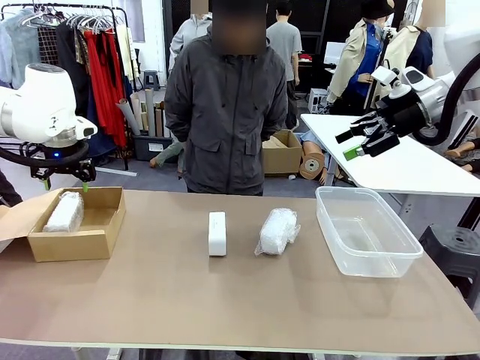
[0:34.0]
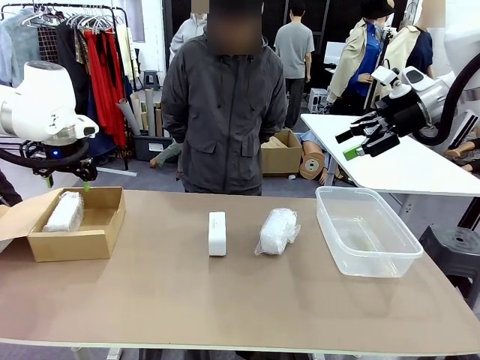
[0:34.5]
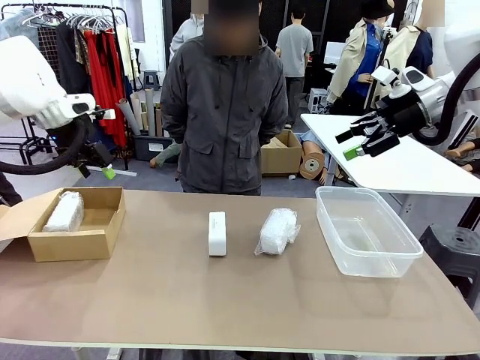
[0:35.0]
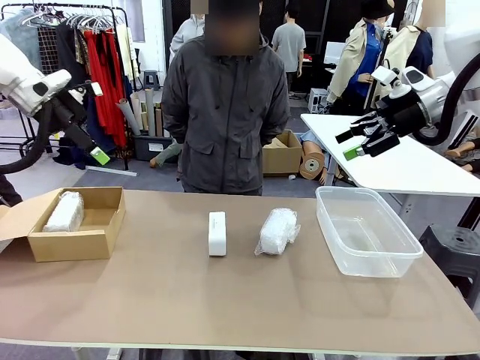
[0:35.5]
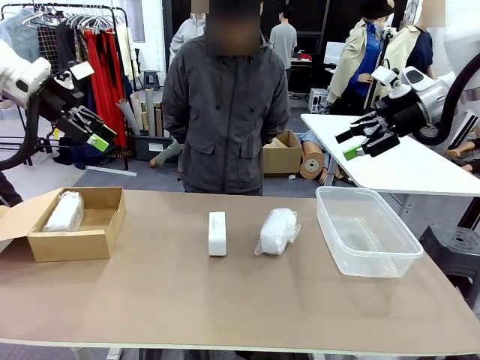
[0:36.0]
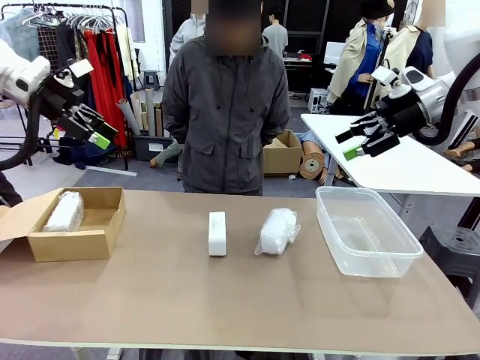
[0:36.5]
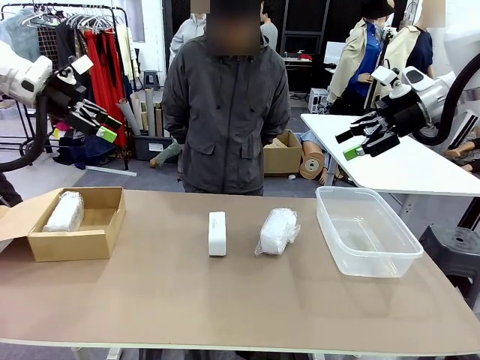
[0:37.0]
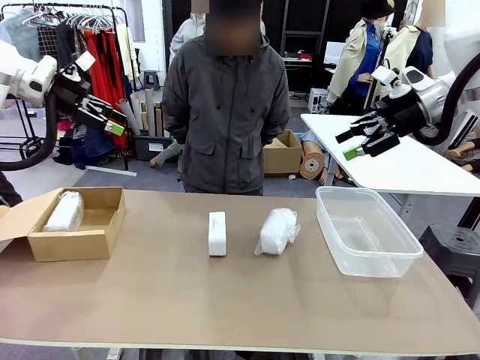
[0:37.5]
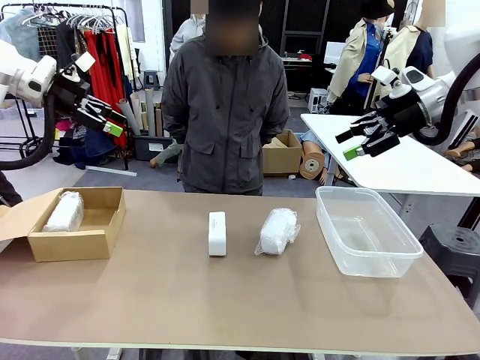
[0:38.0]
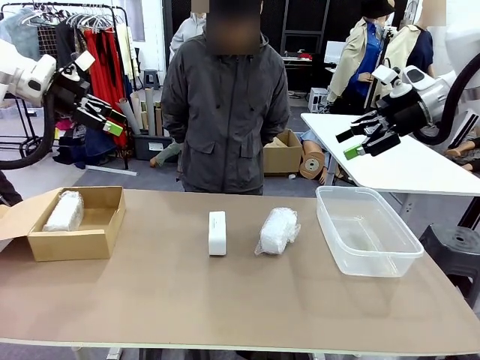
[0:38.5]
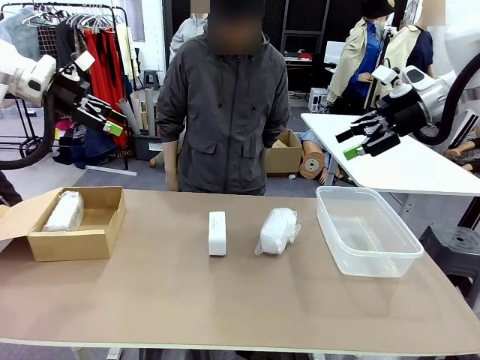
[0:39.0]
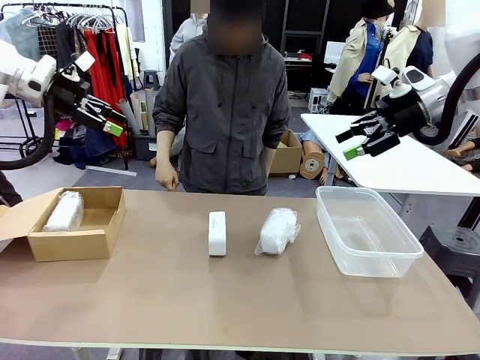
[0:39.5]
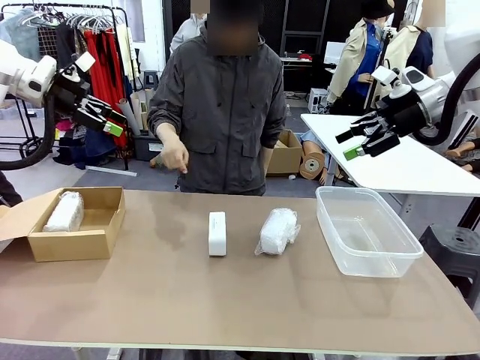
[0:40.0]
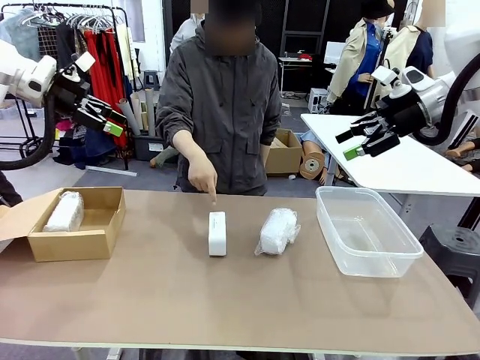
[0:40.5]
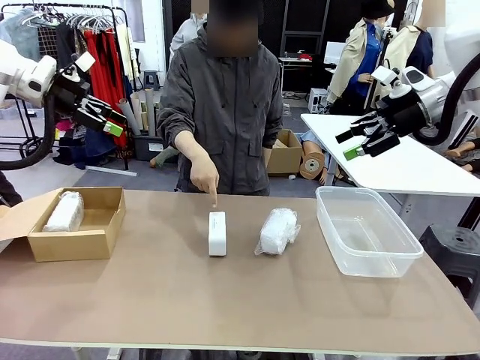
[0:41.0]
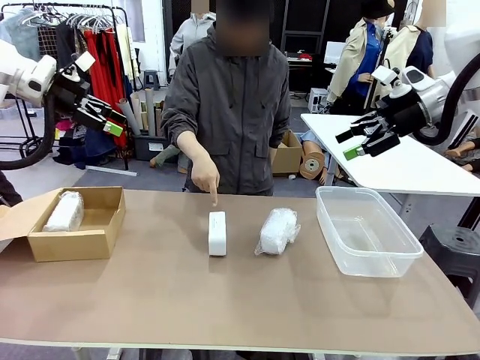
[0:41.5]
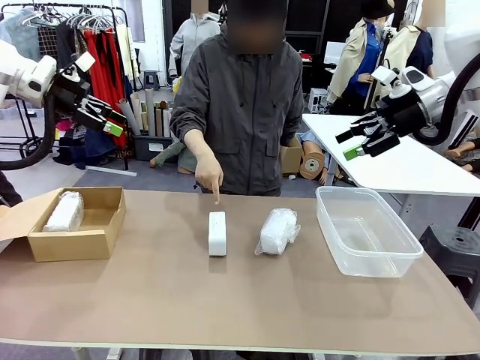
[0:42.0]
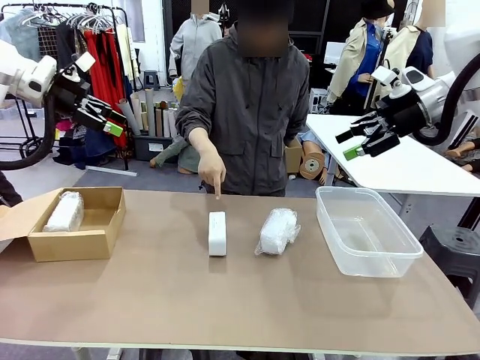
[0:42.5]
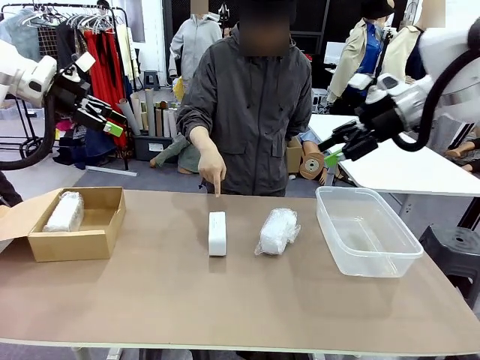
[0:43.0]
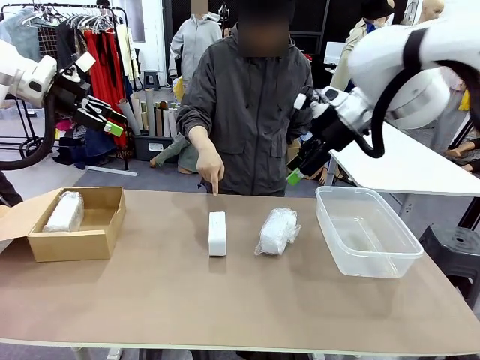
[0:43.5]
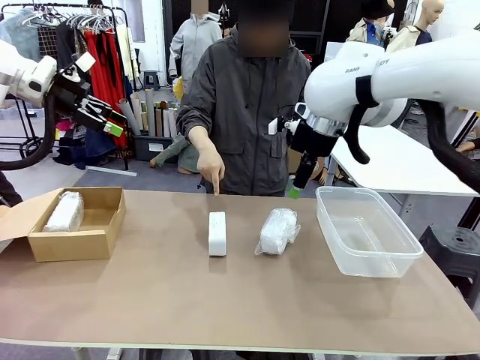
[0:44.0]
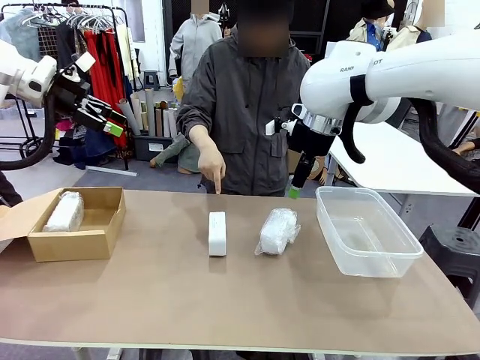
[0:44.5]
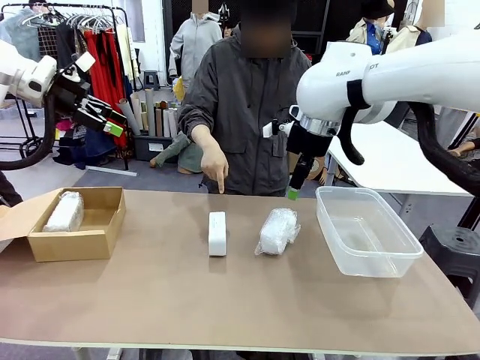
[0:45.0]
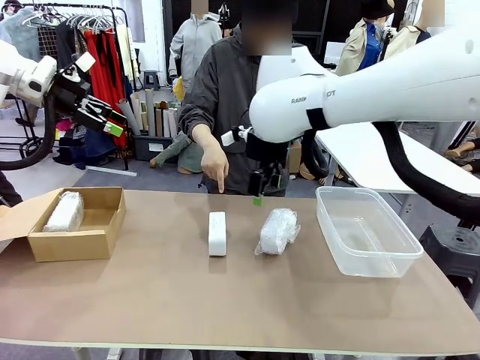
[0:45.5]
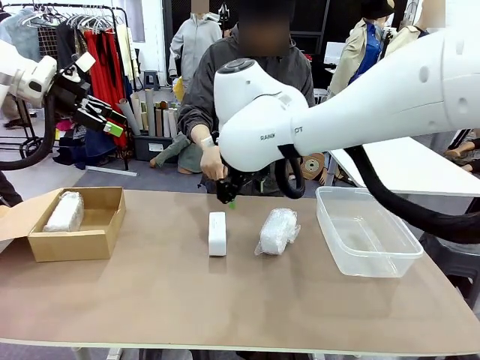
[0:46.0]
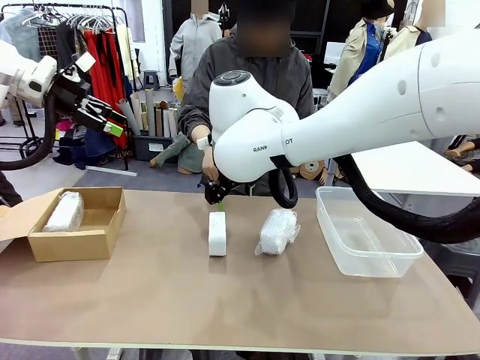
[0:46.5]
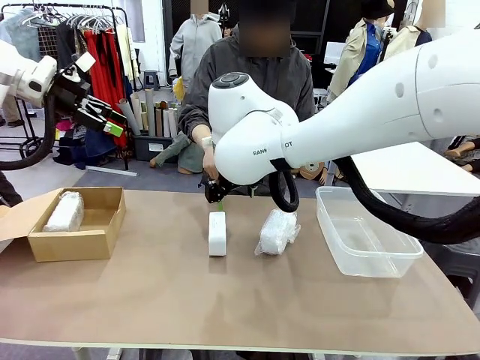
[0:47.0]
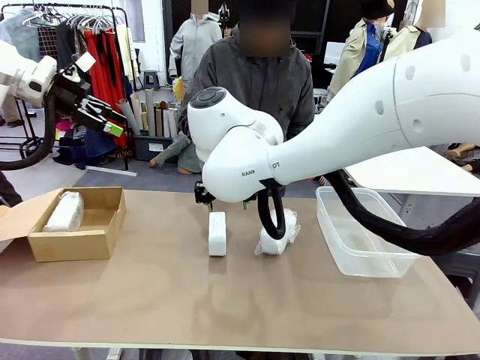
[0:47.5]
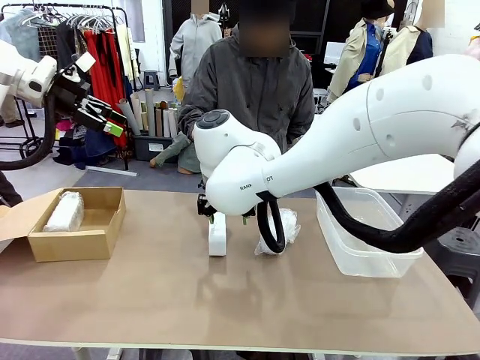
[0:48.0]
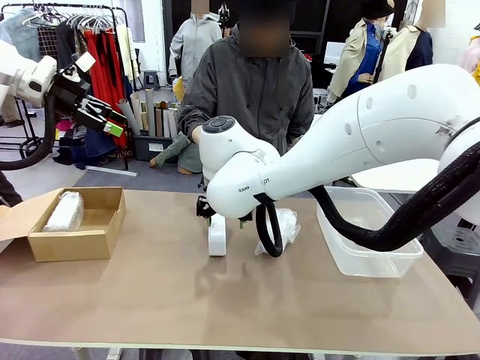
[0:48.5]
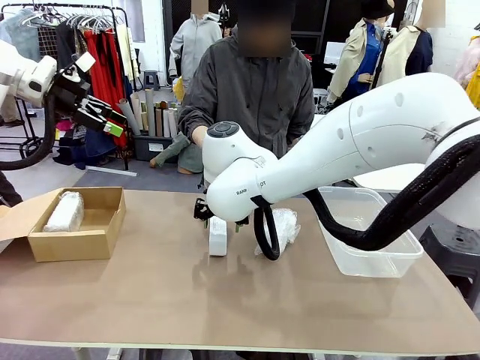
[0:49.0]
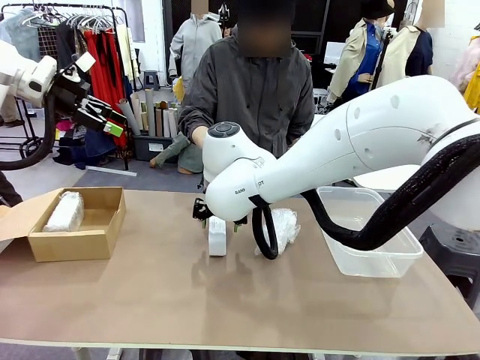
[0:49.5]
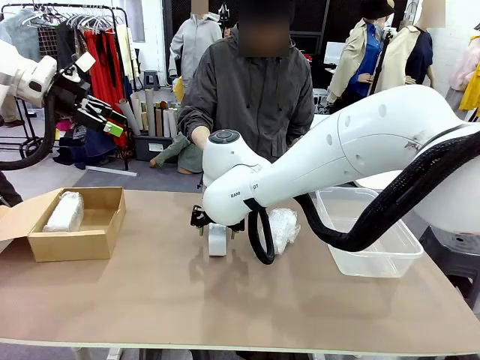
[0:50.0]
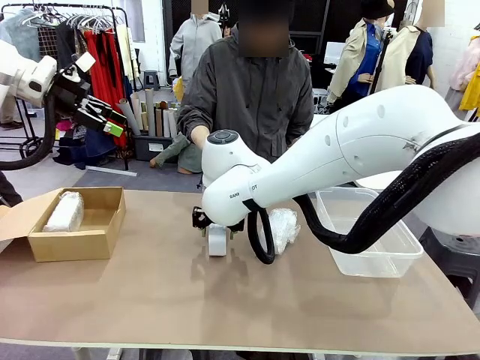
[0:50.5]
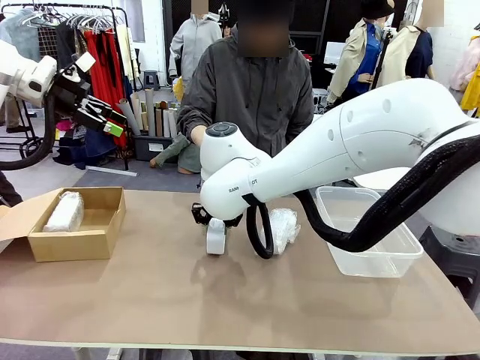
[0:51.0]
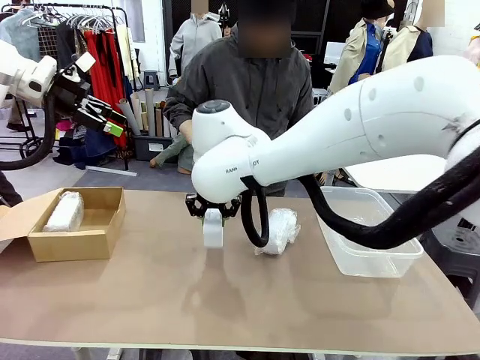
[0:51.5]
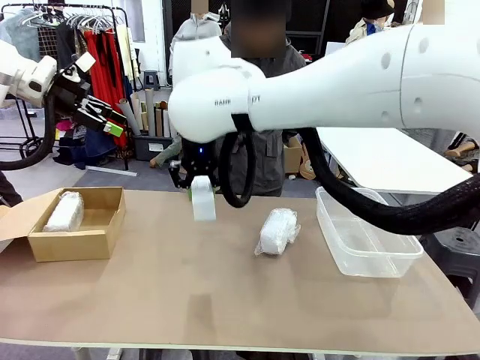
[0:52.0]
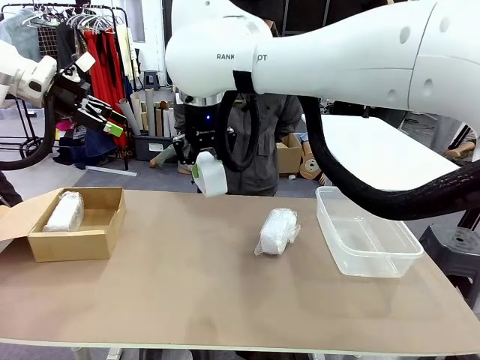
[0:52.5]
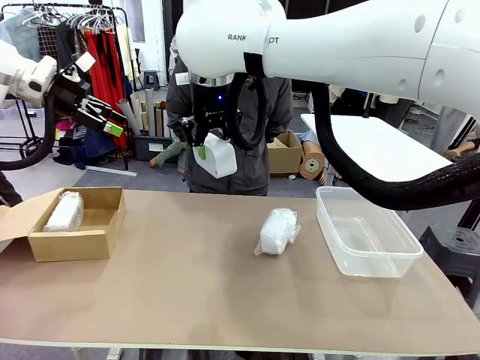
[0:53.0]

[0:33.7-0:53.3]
Task: Separate and place wrapped and unwrapped clocks.
Robot: Pick up the Digital clock indicated by the person.

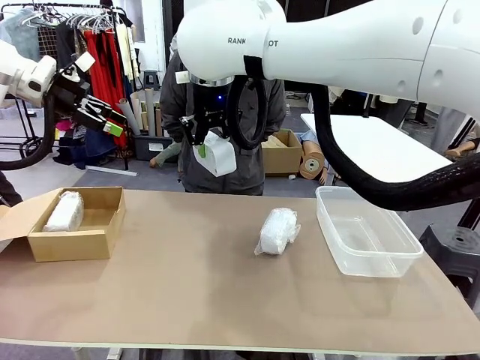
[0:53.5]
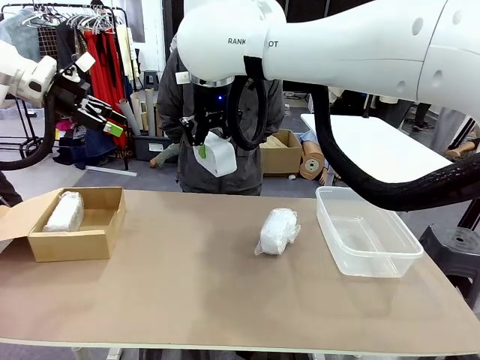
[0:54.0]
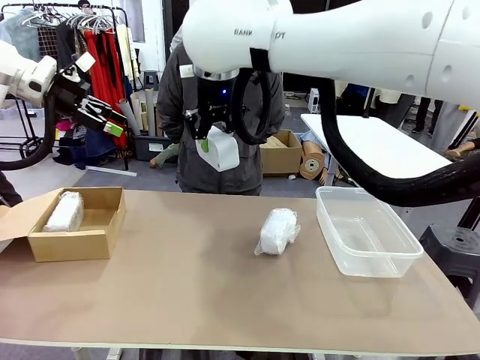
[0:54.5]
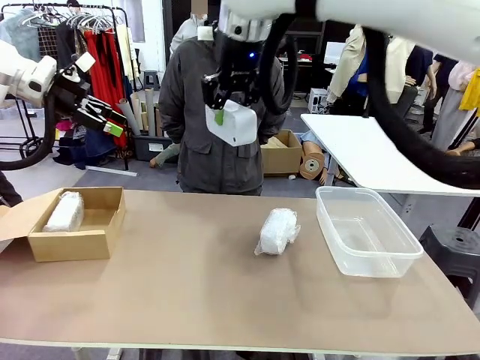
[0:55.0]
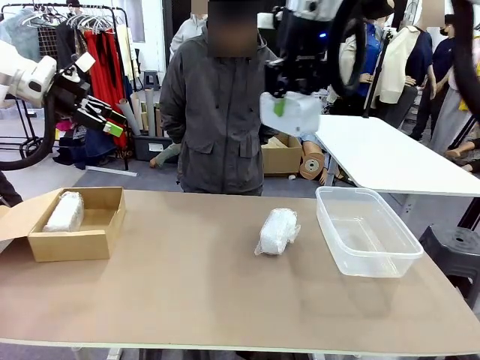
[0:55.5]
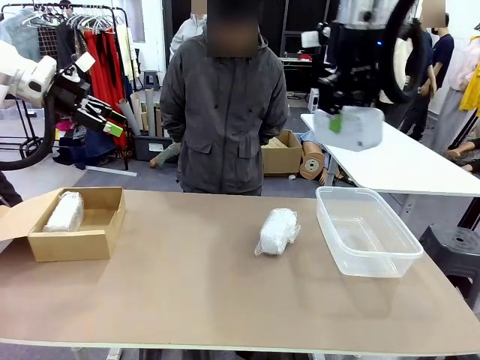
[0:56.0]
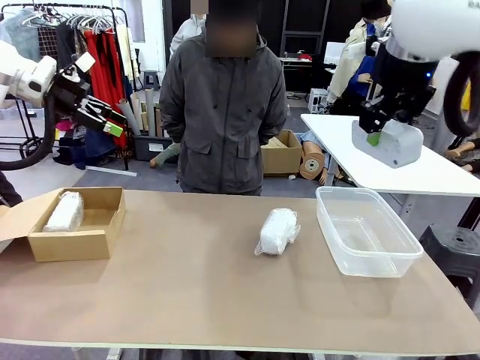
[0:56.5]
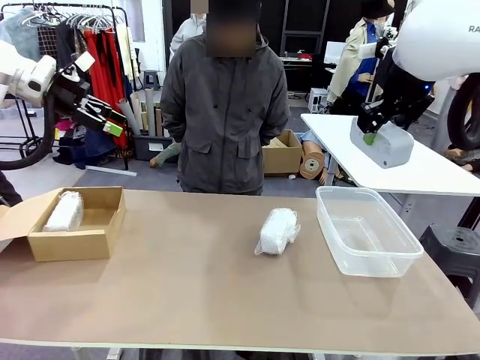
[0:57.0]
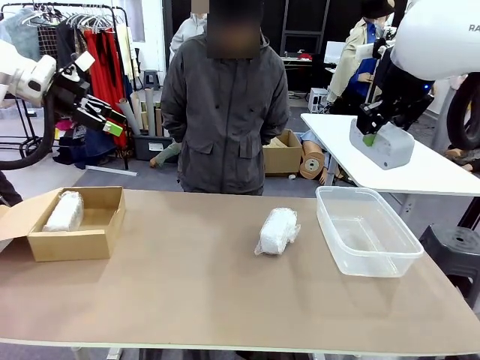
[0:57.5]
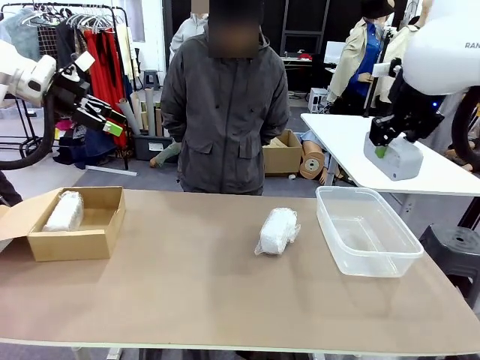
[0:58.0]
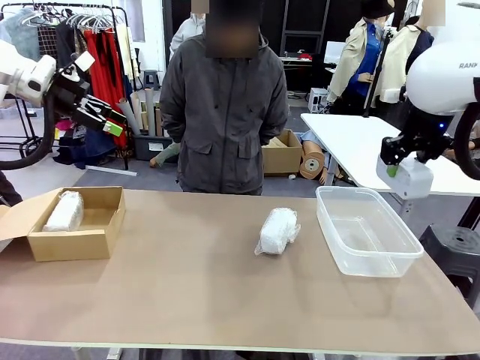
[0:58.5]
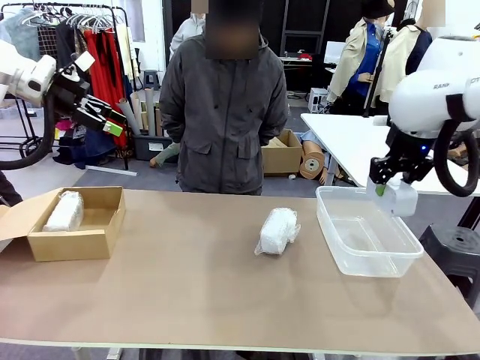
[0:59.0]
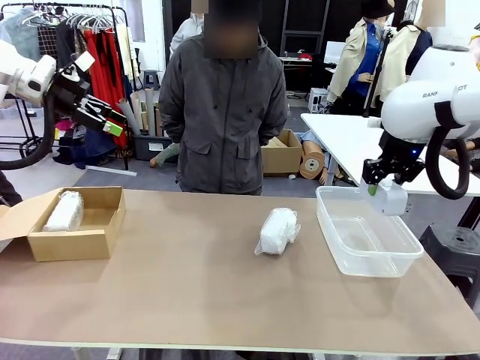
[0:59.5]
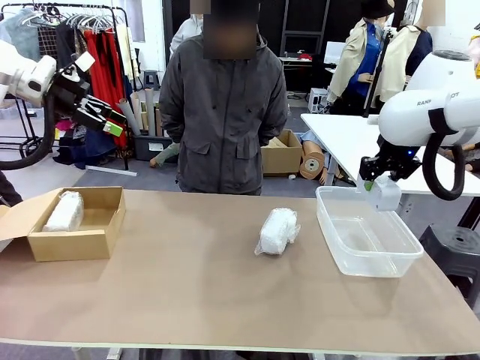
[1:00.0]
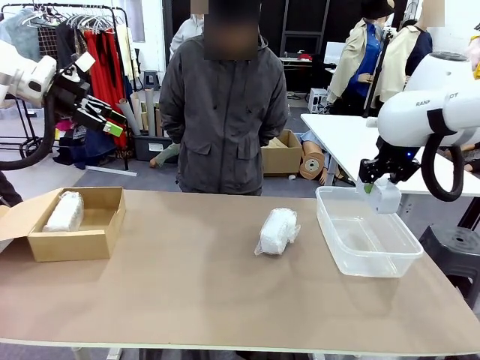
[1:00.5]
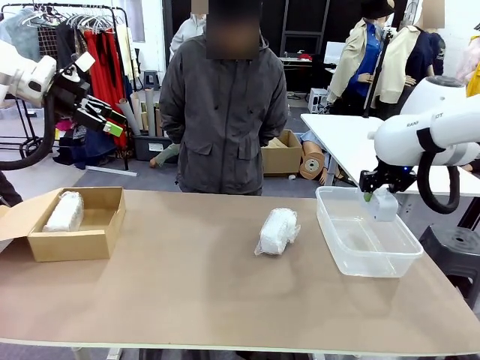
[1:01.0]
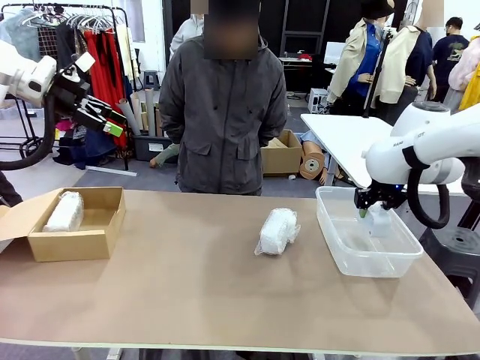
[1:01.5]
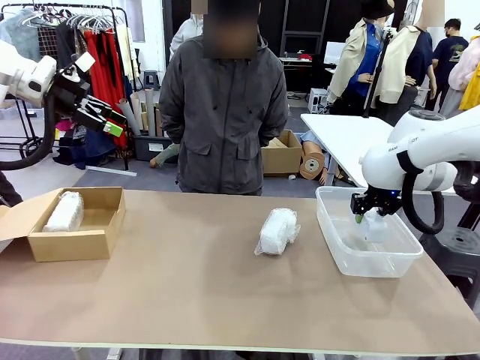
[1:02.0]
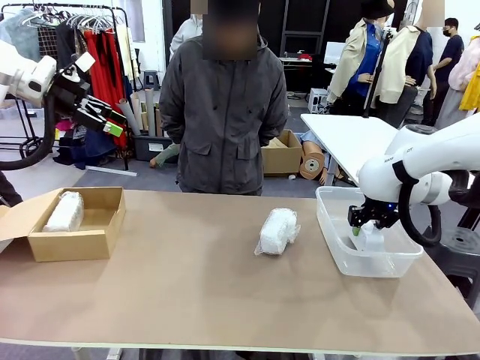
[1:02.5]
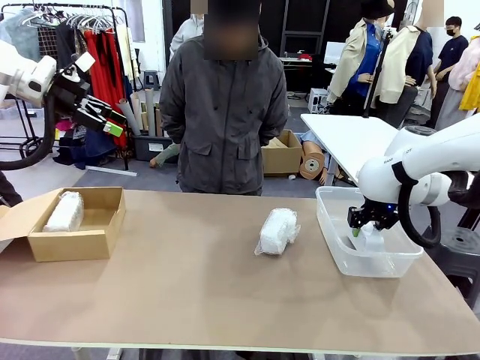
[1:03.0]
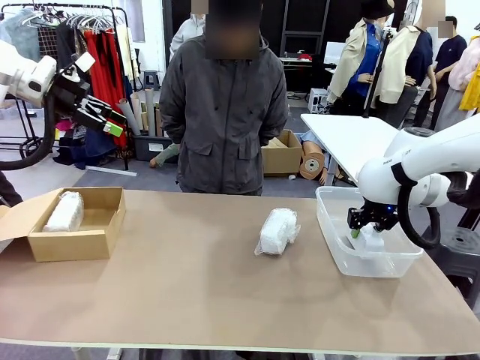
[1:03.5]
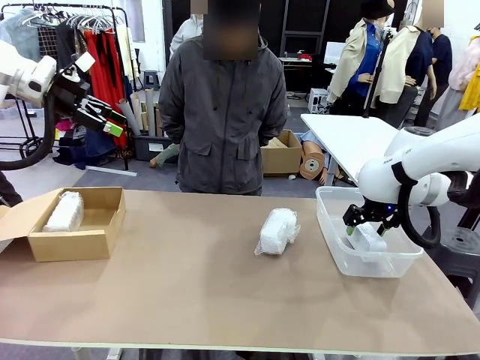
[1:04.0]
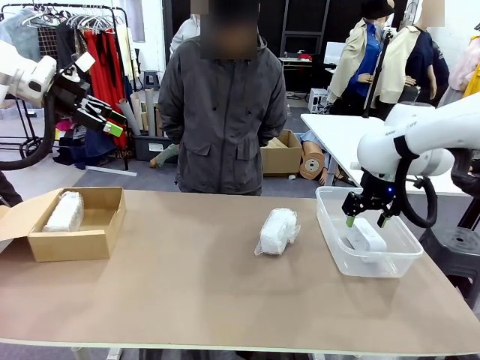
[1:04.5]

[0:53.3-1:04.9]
Robot: If the picked Digital clock is wrapped, place it in the Package Box ; if not, place it in the Organizing box.
